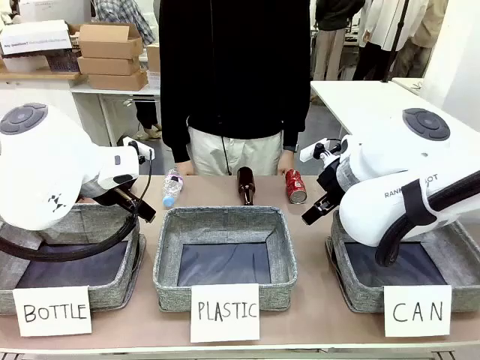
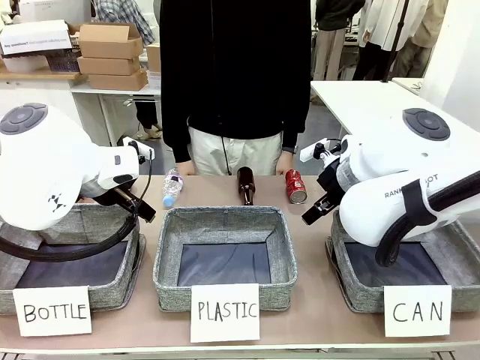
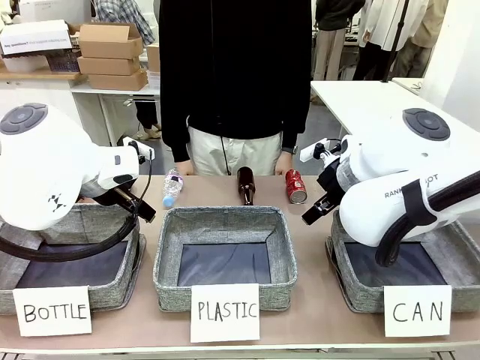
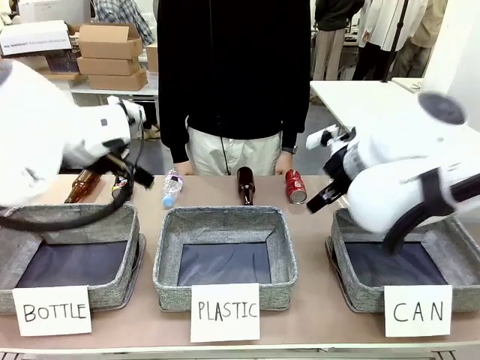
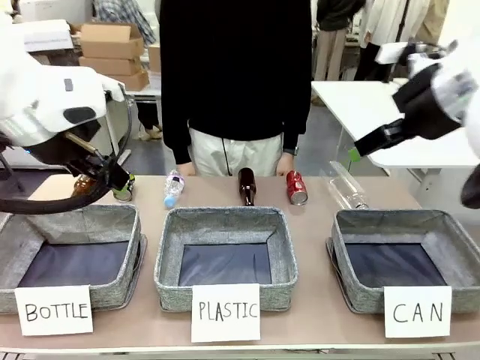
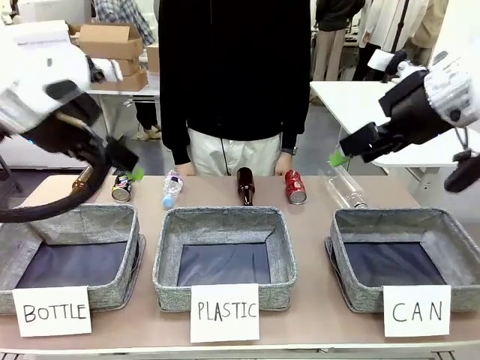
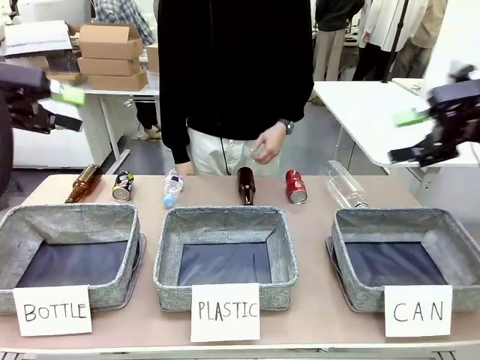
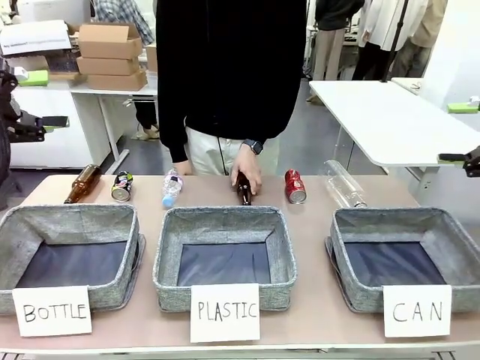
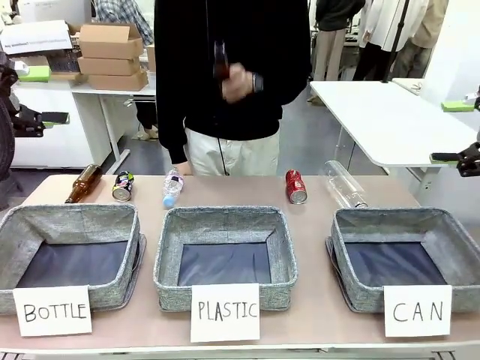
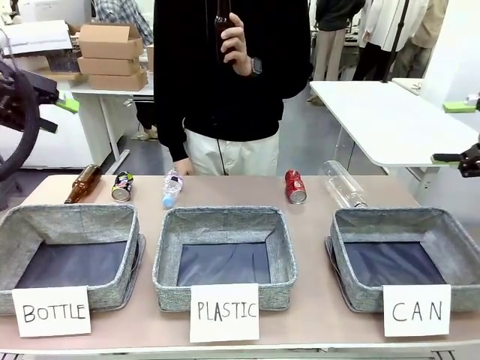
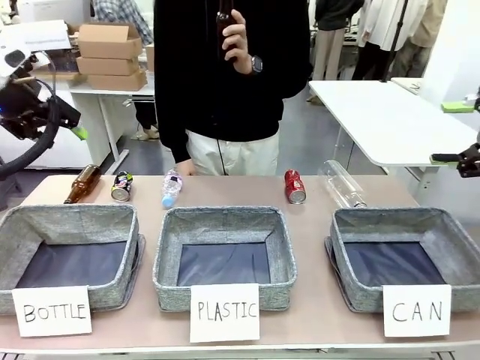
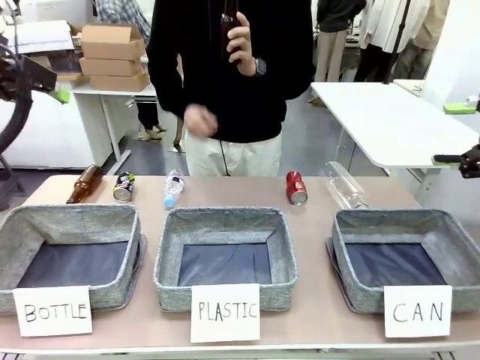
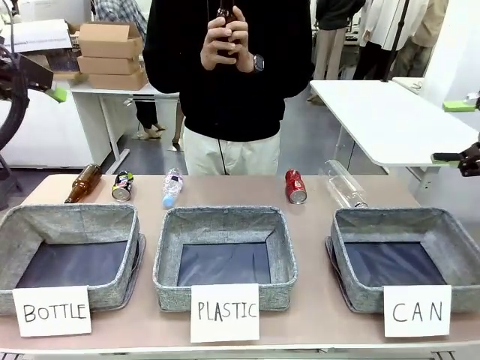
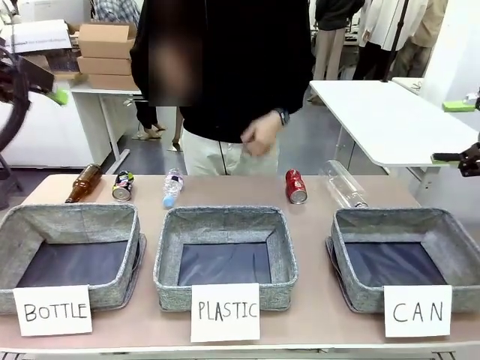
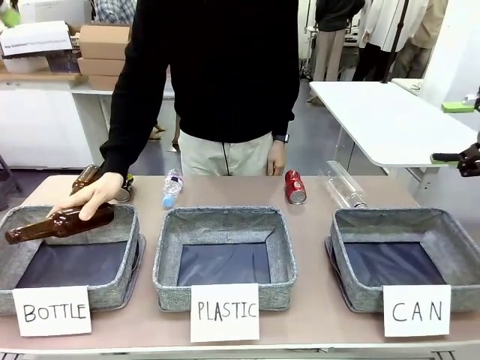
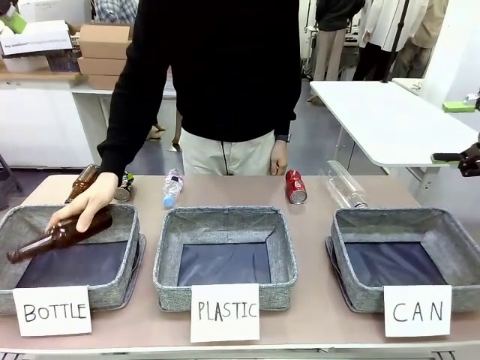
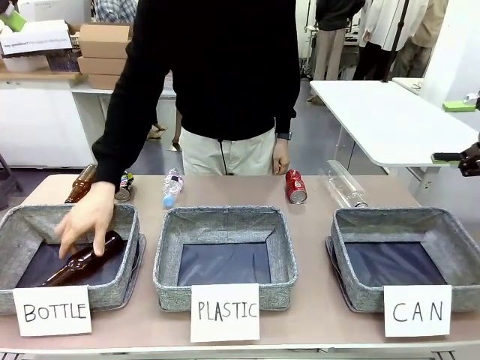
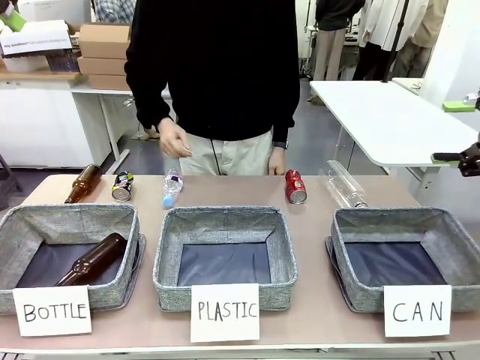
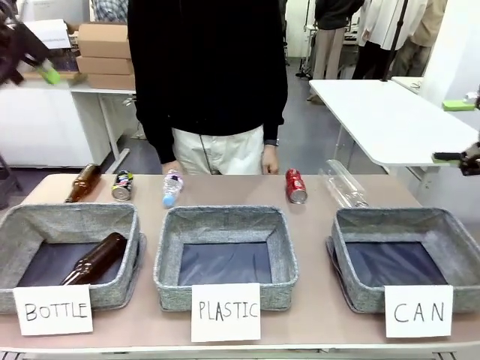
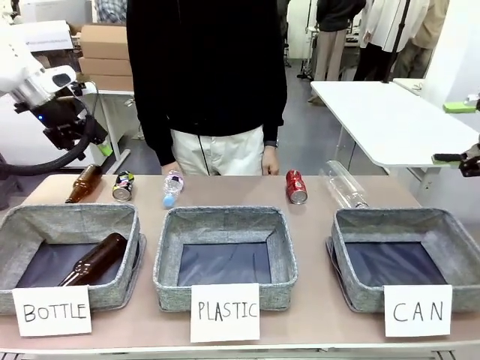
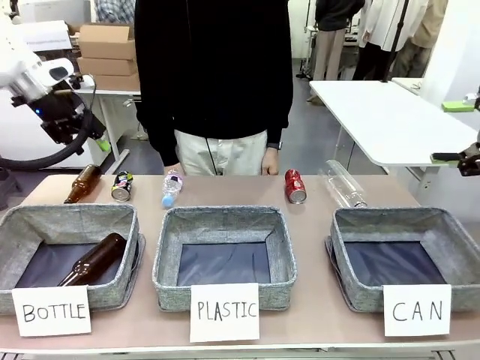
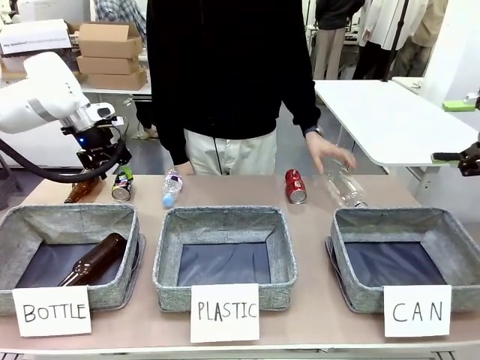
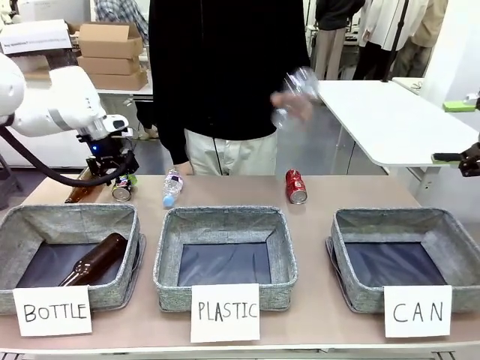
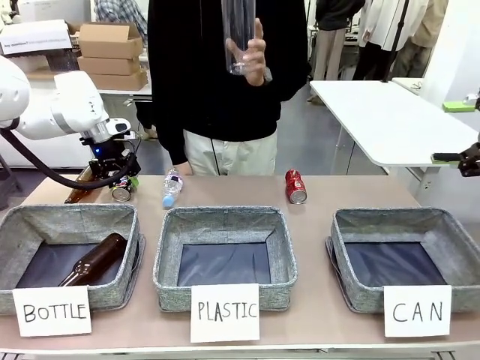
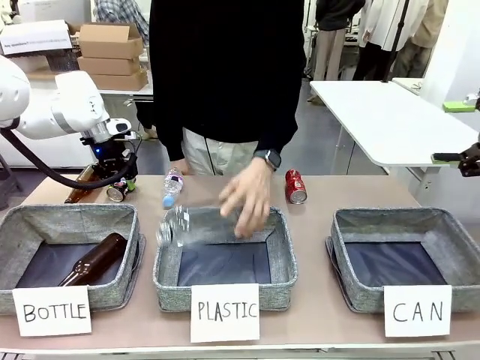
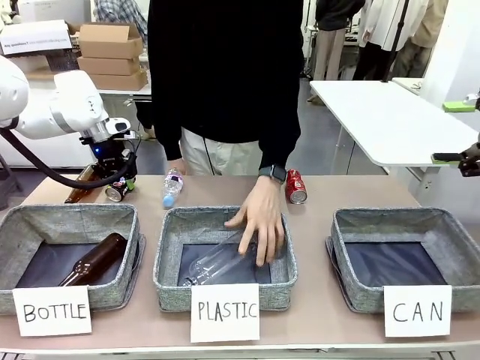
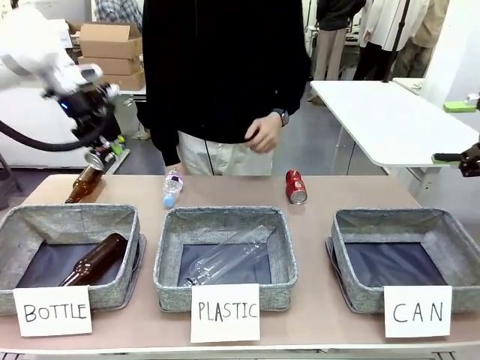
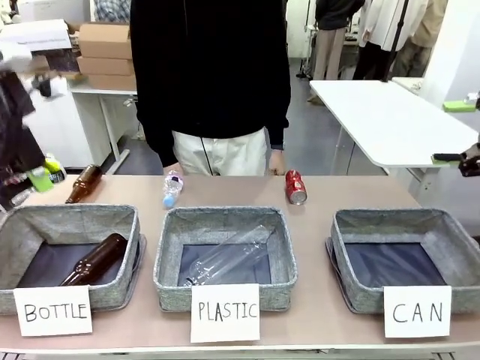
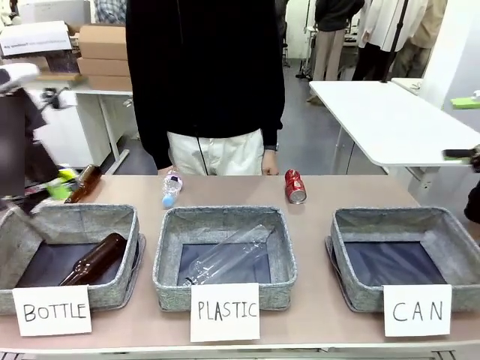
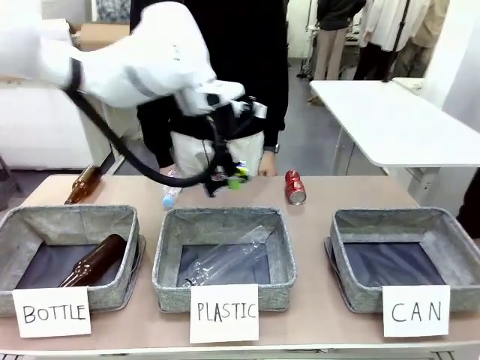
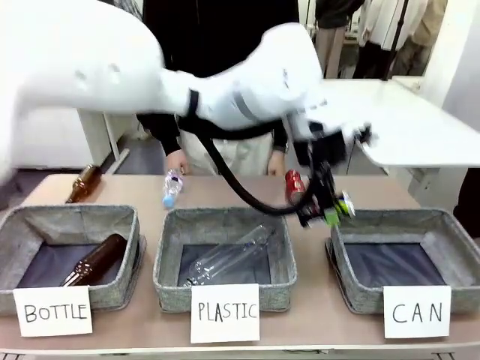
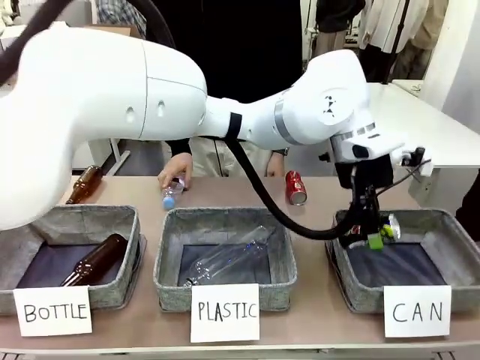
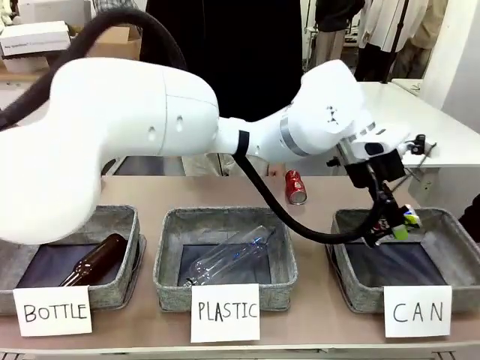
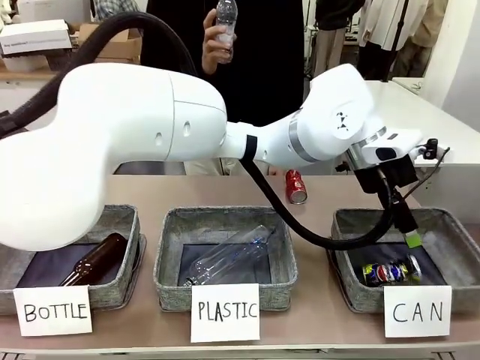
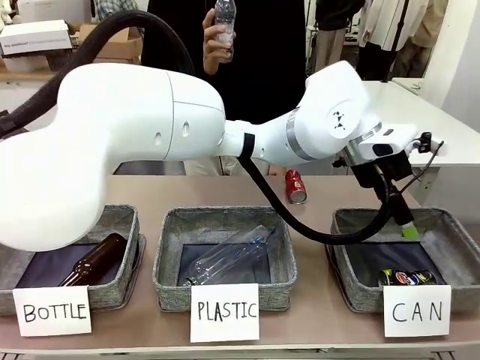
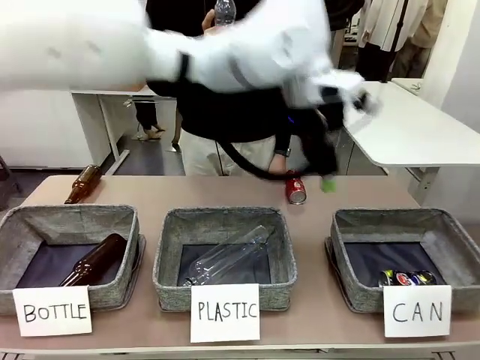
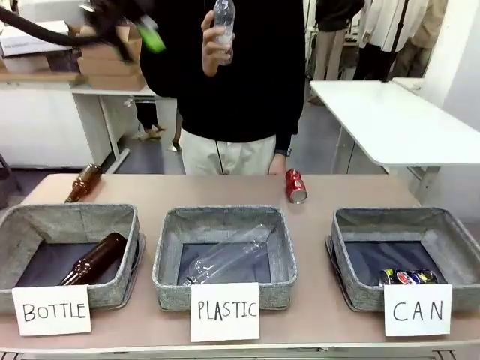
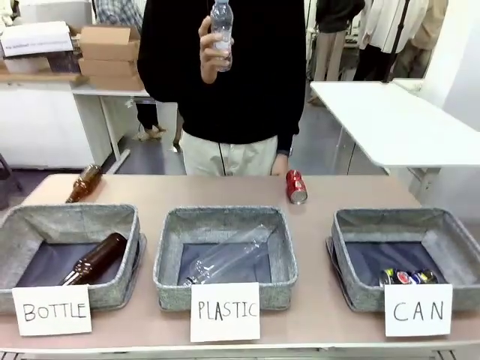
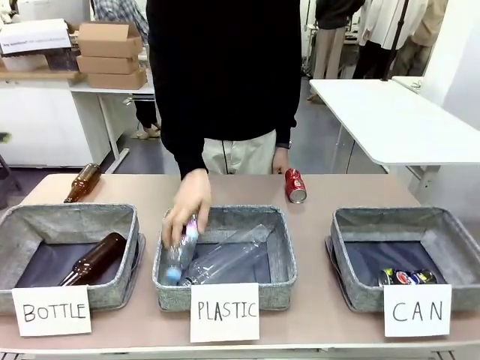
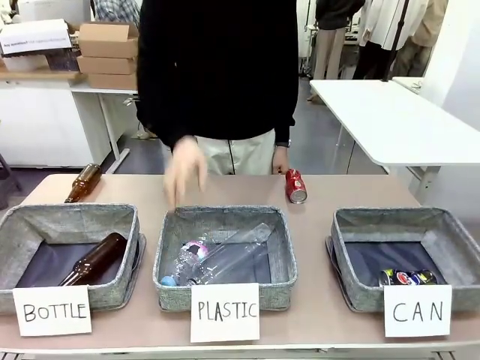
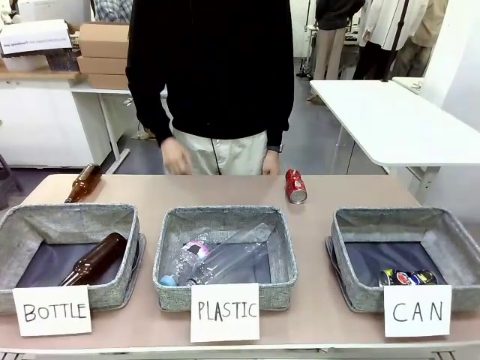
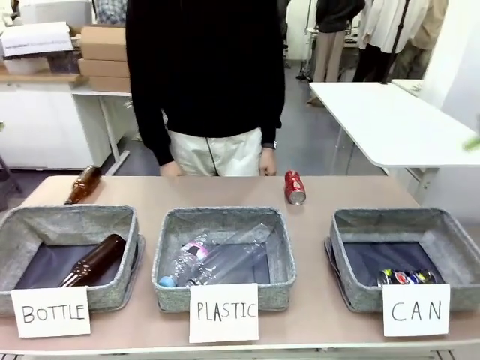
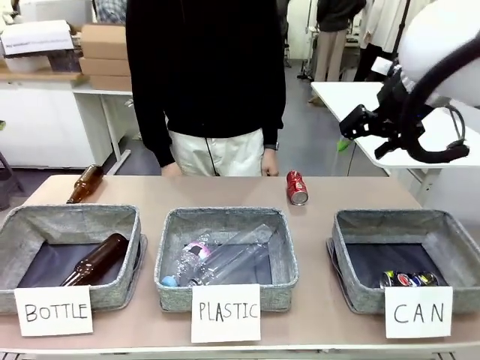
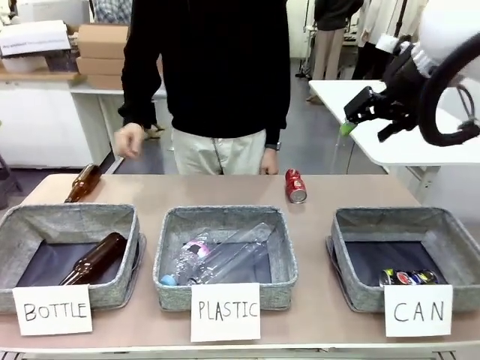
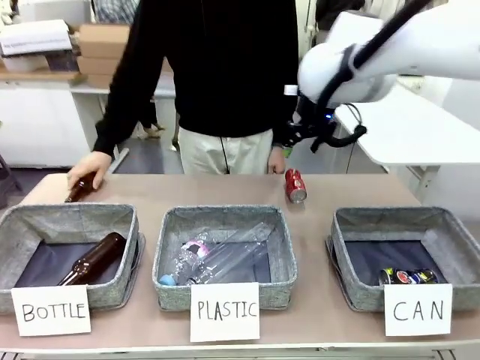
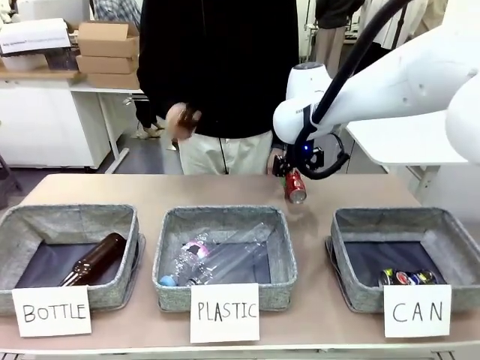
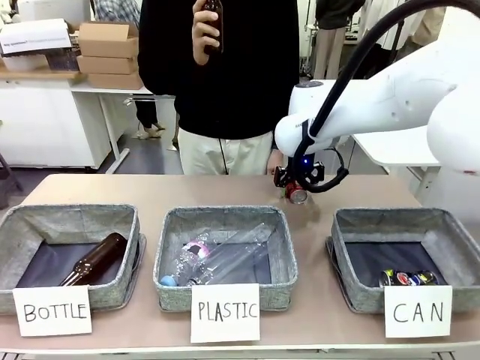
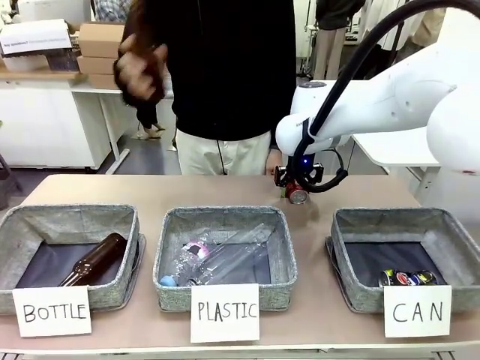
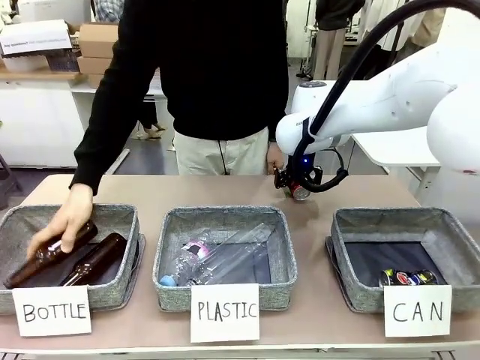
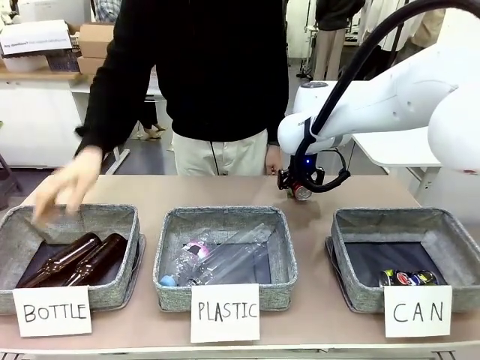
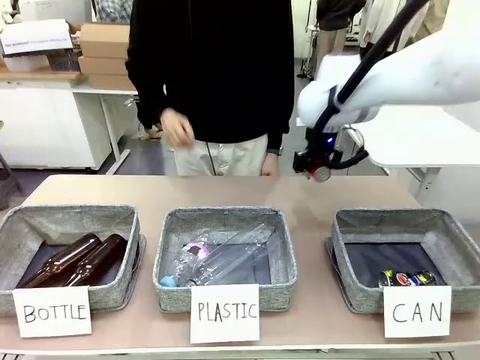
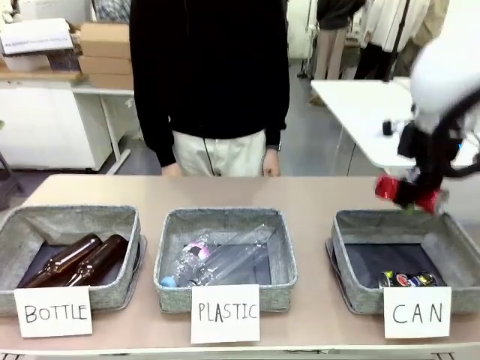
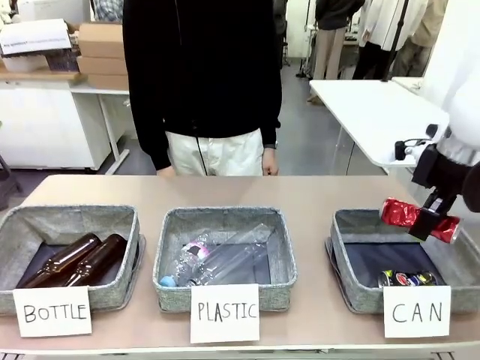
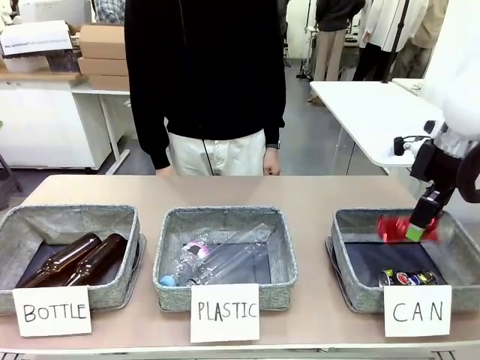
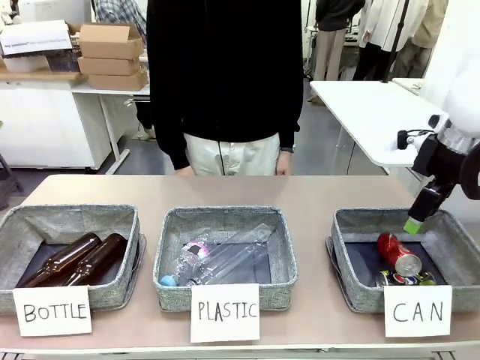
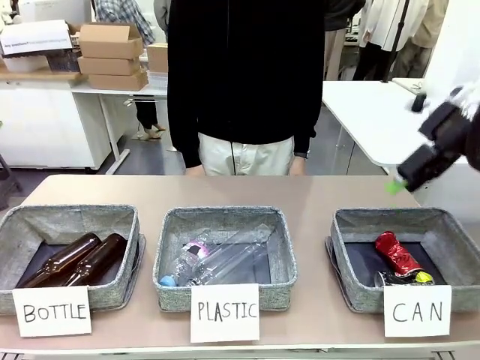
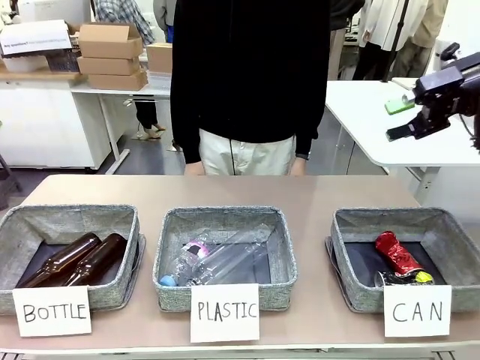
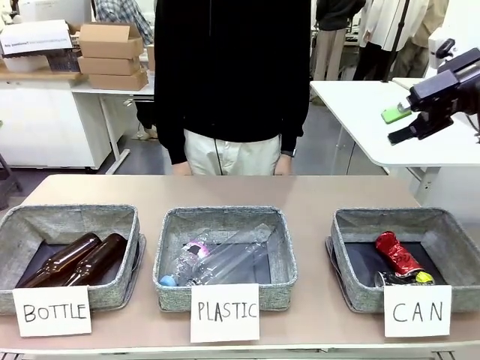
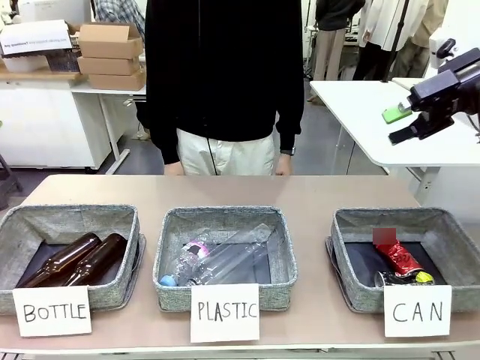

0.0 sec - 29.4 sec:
Task: Sort the can waste into the basket.
Robot: Pick up the can waste from the table and place it in the right Fabric basket.
Person: The human picks up one piece of trash that is not a can and places the trash into the appropriate organizing basket.
